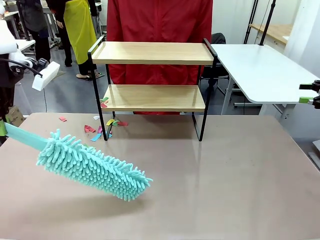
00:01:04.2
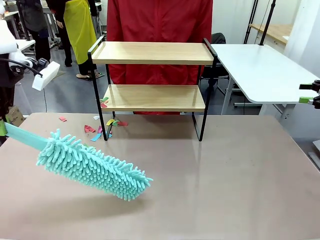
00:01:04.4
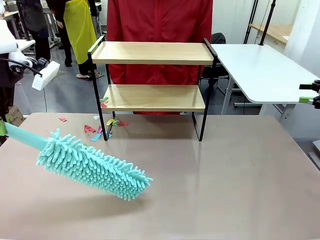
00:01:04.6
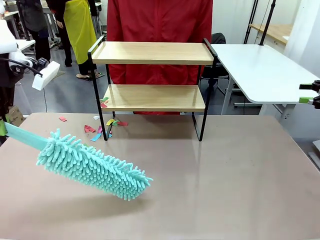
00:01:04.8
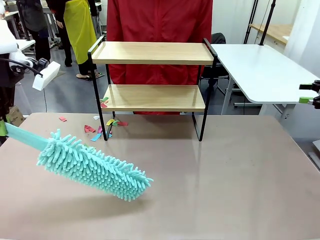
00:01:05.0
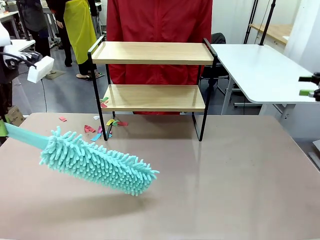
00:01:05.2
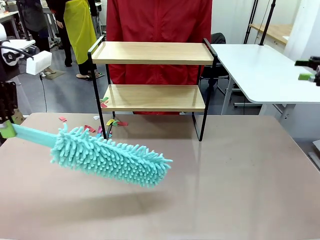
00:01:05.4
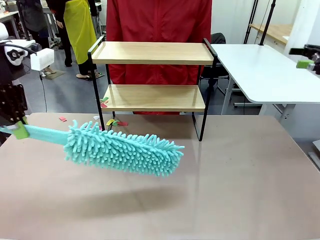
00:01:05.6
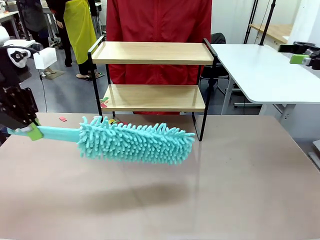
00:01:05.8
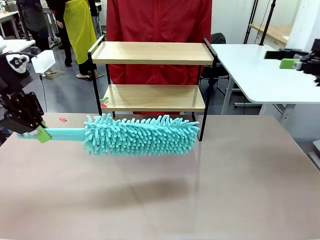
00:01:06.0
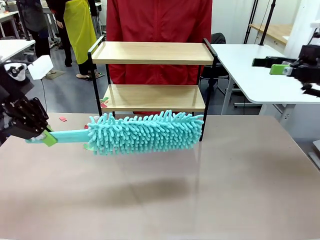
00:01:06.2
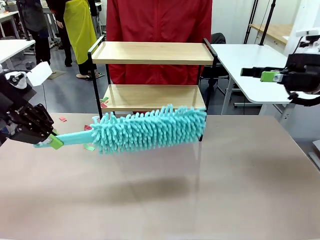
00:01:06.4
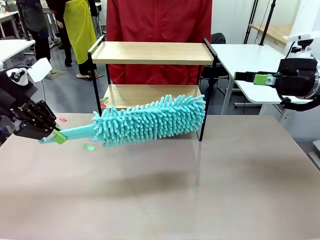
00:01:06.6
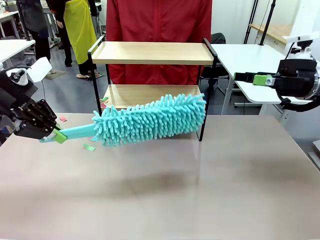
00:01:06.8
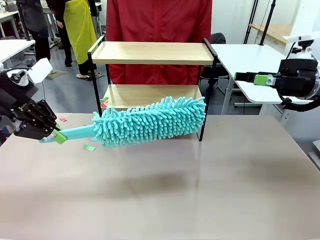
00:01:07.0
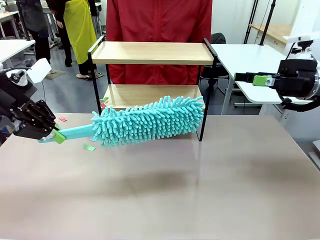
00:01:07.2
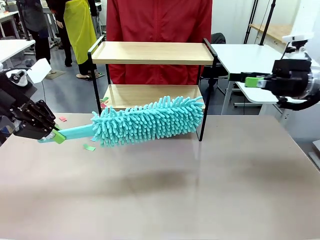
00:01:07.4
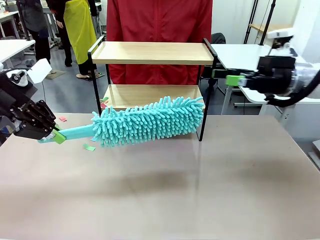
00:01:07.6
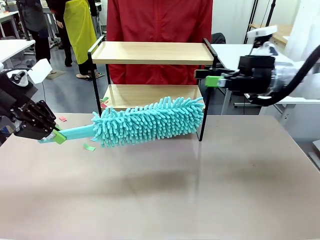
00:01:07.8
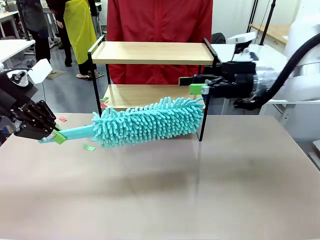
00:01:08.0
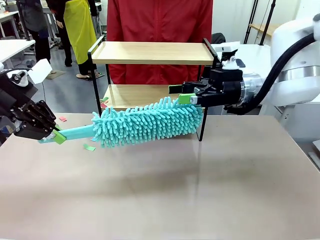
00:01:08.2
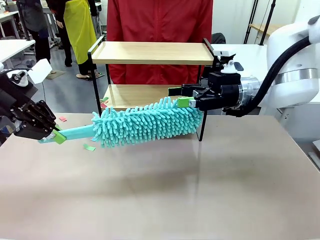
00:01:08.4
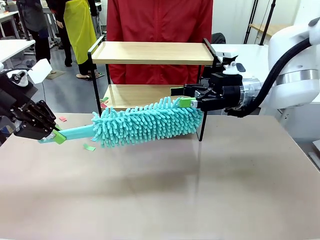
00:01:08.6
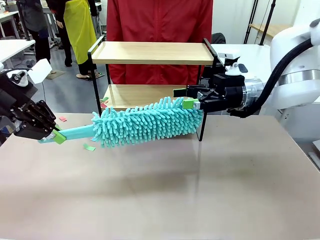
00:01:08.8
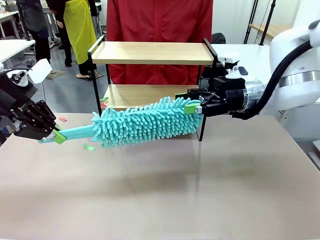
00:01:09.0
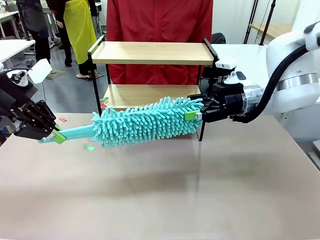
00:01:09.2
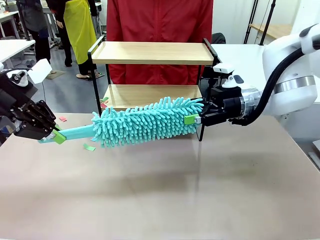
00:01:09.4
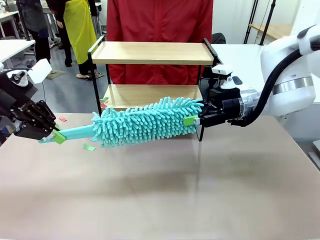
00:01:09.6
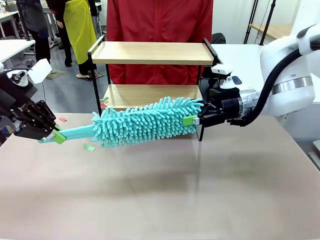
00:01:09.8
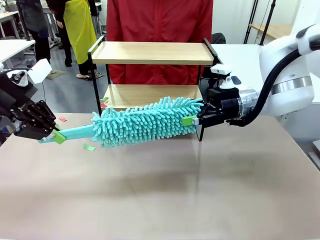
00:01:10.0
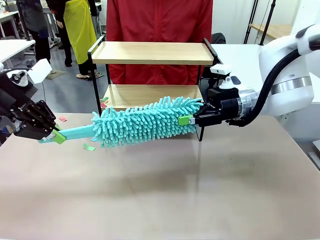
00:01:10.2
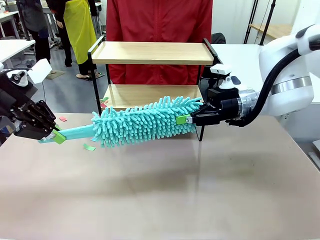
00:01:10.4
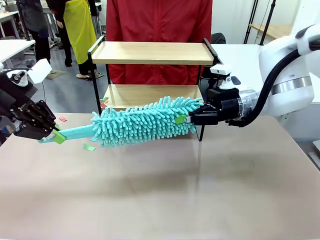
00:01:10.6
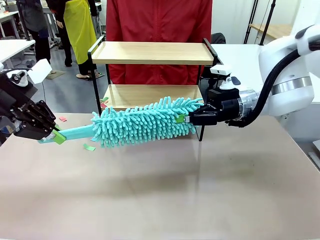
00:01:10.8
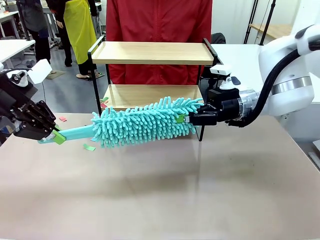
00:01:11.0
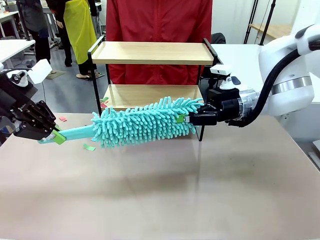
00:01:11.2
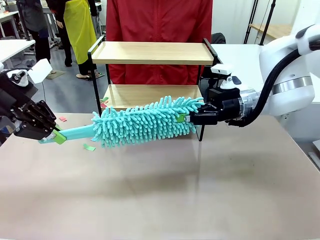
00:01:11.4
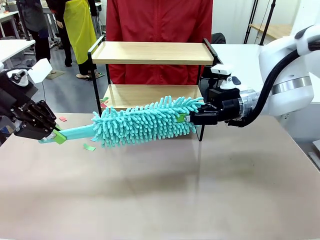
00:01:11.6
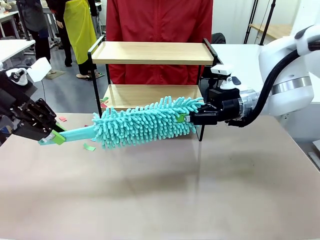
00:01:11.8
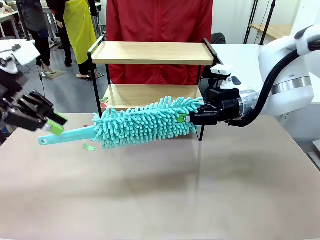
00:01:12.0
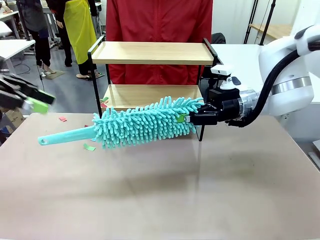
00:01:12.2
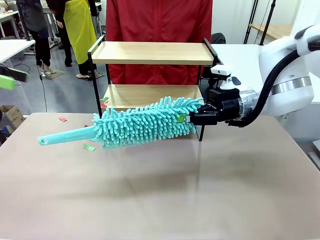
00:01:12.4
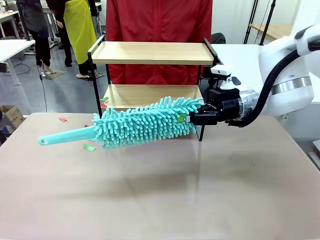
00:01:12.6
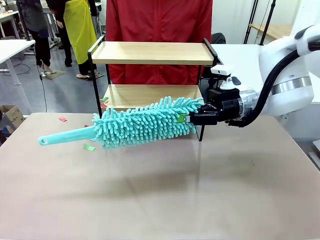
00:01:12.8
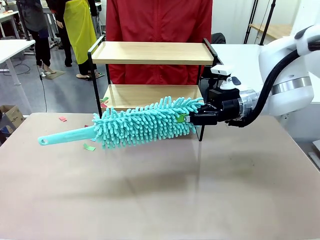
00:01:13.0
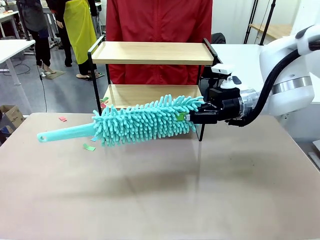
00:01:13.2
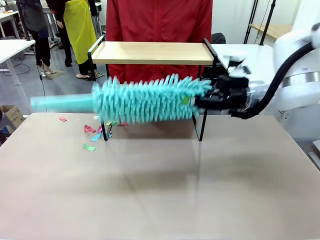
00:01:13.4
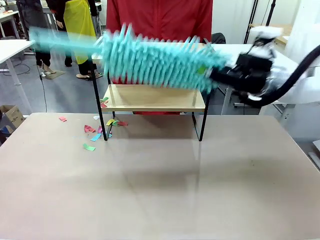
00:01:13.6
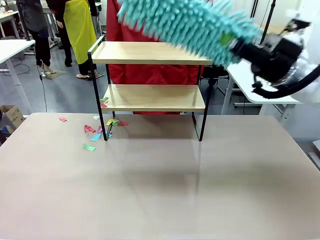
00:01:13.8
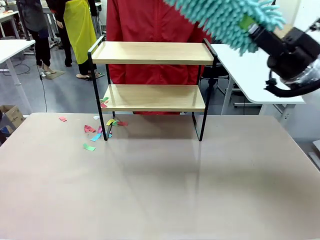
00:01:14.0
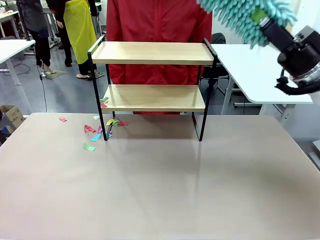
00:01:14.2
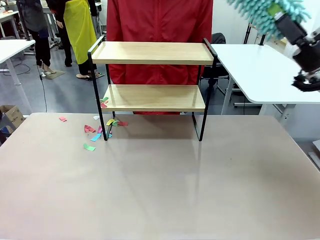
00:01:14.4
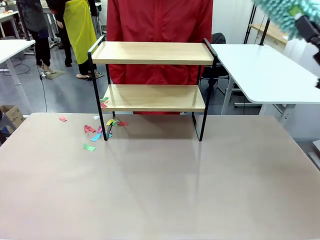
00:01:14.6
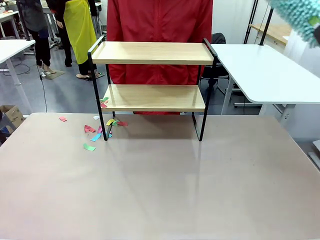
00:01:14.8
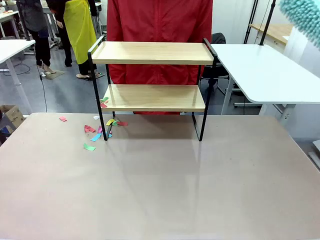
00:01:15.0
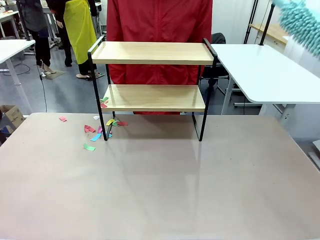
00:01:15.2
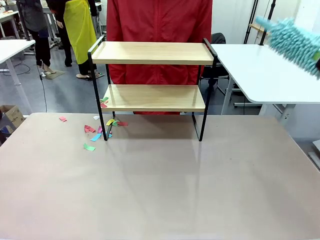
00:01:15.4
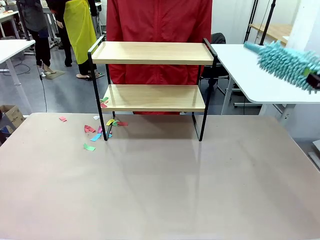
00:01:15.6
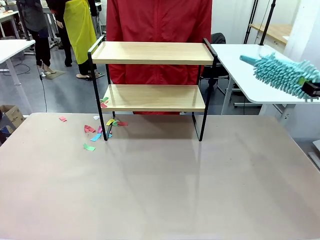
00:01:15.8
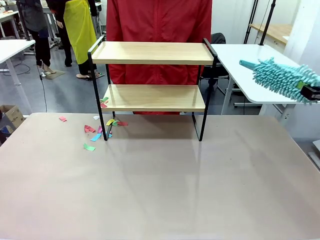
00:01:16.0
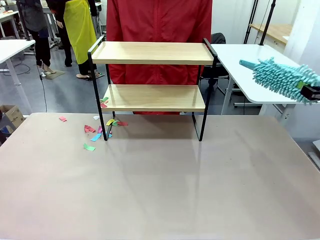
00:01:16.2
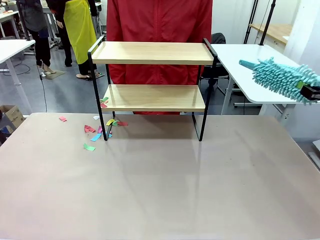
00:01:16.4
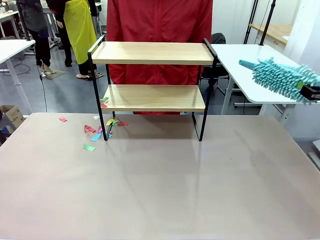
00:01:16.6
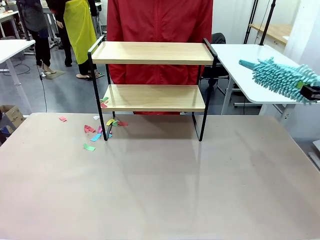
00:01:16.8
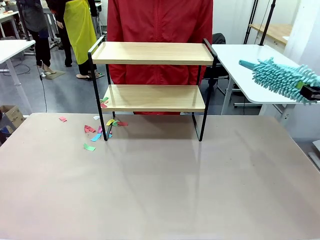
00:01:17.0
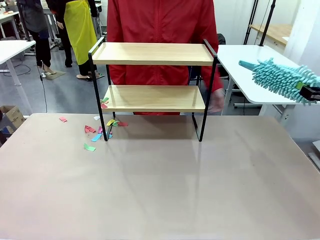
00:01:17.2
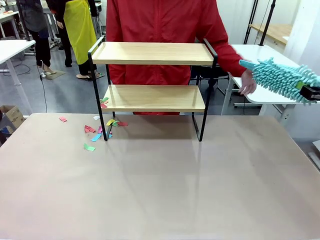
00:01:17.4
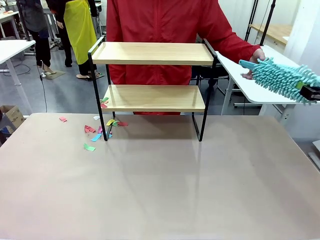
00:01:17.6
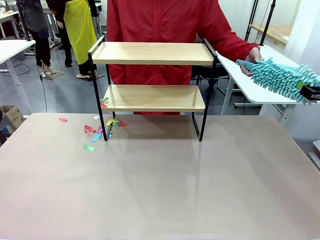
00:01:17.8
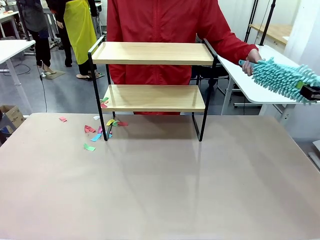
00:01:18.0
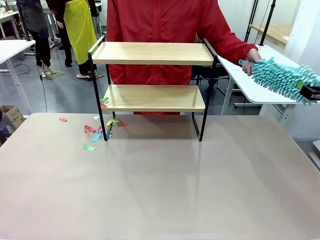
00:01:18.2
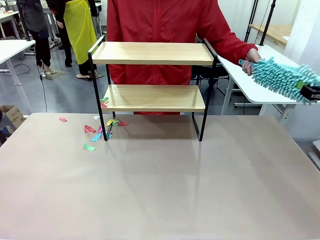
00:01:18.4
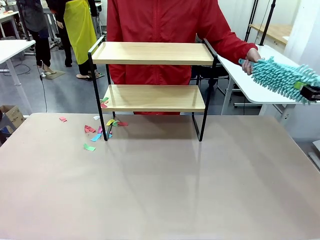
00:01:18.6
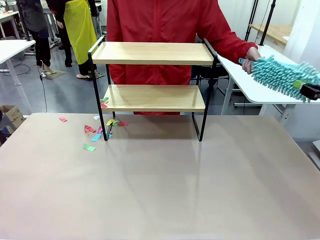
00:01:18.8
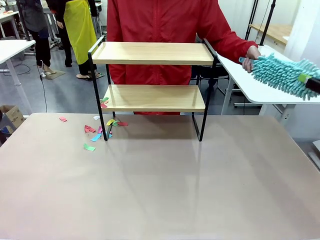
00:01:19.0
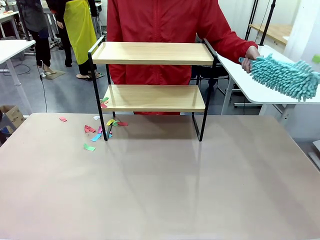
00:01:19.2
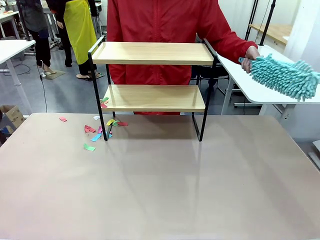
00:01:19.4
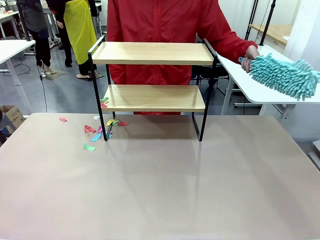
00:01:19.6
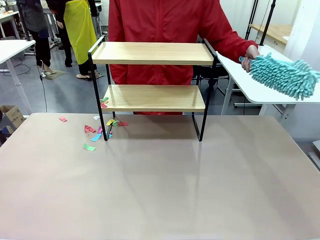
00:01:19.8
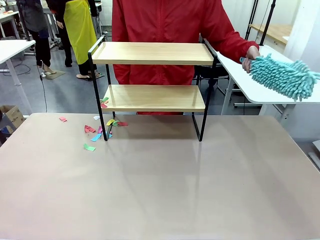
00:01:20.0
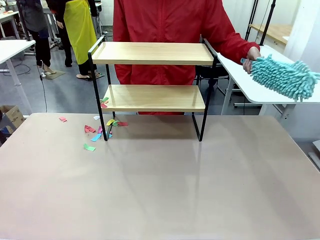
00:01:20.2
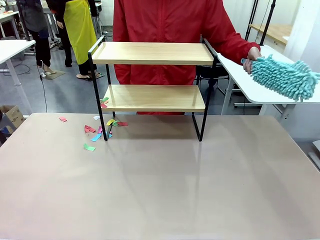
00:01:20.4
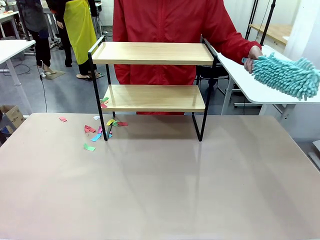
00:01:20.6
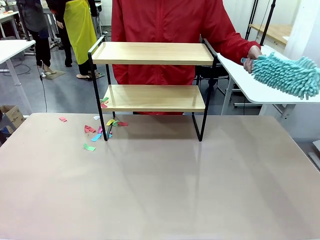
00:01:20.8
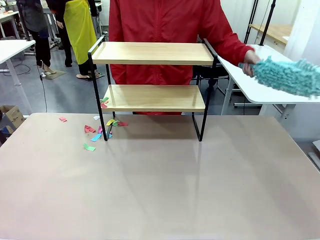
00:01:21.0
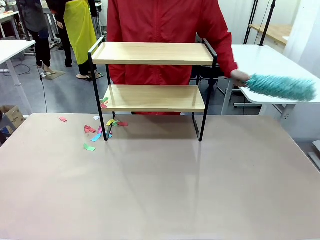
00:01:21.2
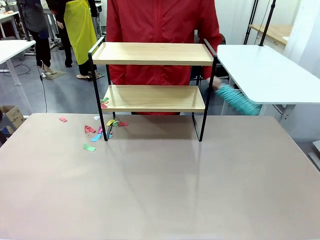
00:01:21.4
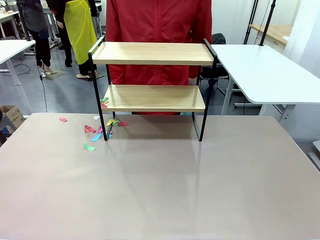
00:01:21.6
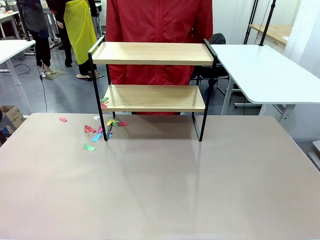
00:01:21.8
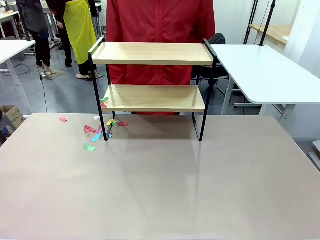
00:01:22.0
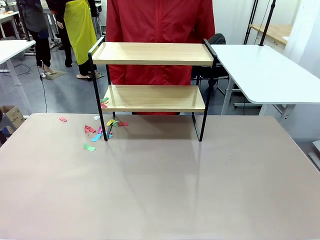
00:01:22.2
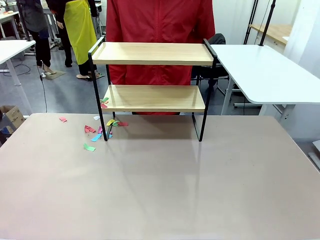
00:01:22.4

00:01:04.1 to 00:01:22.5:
Task: Clean the shelf.
Robot: Hand the Duster back to the human.
Person: Receive the Duster from the robot.
